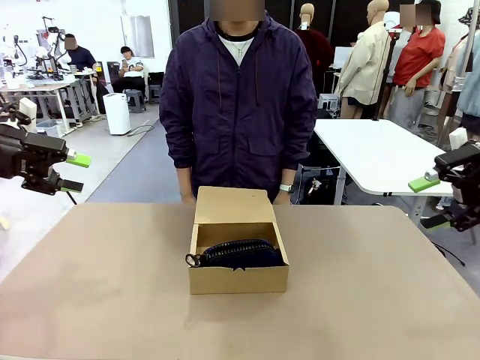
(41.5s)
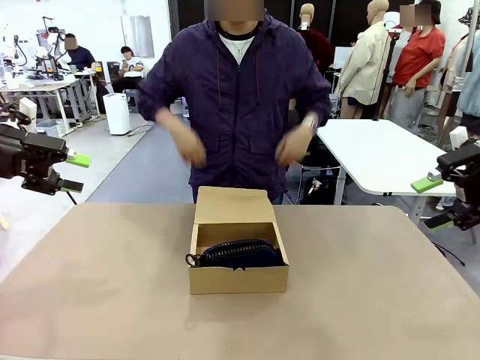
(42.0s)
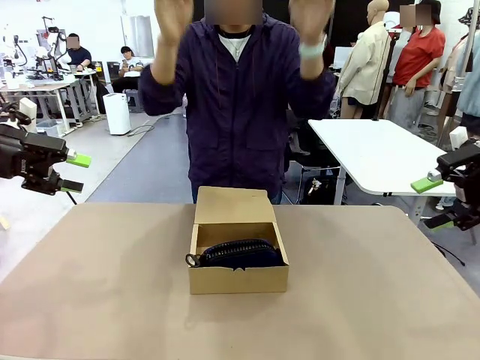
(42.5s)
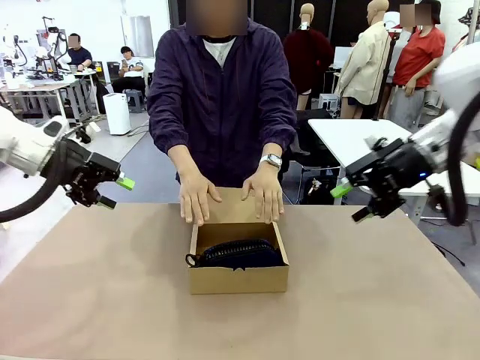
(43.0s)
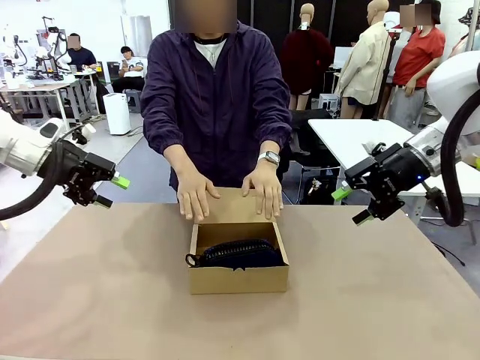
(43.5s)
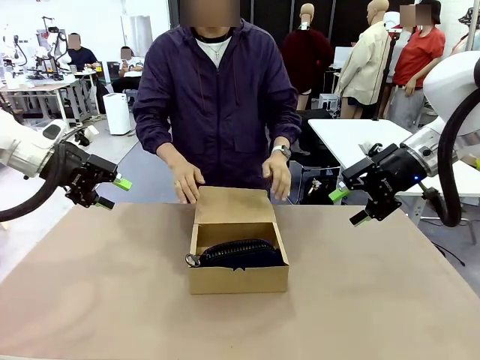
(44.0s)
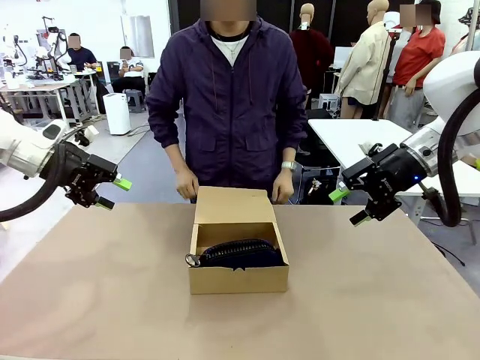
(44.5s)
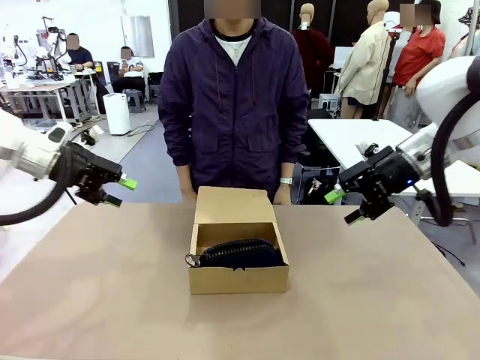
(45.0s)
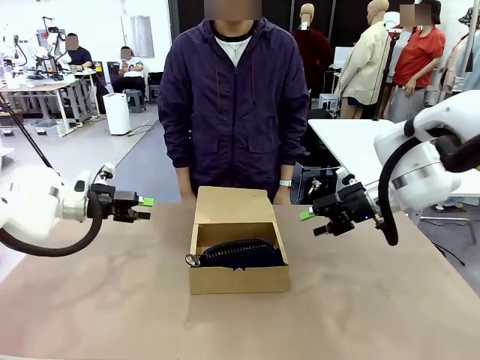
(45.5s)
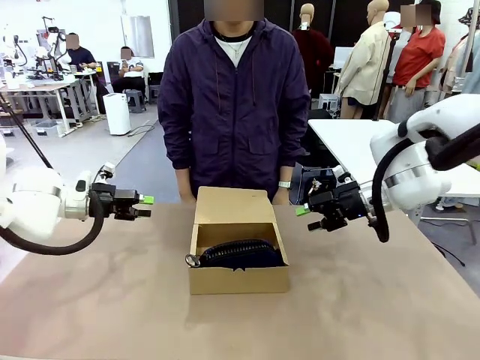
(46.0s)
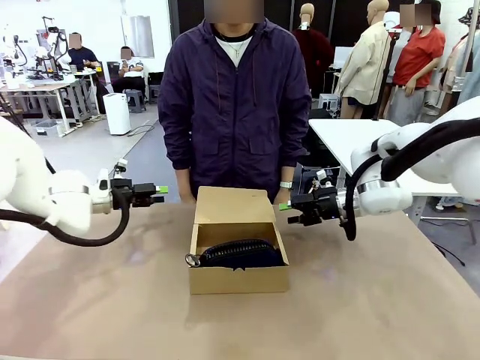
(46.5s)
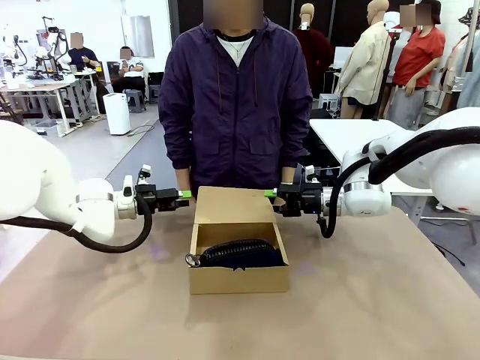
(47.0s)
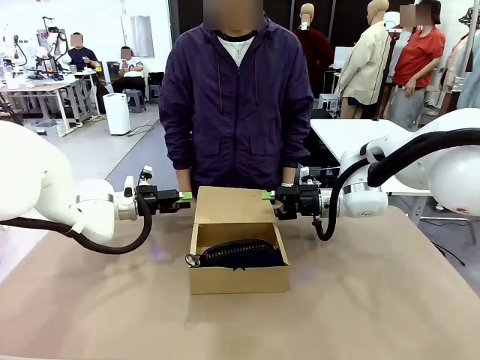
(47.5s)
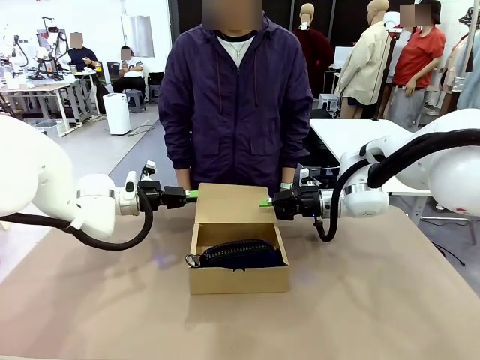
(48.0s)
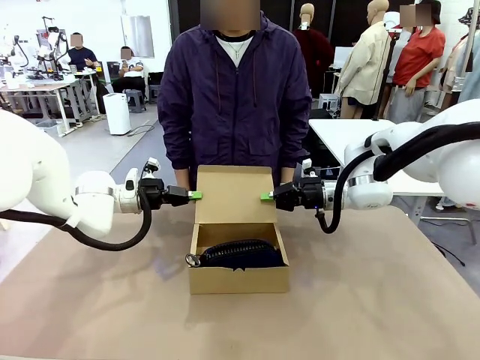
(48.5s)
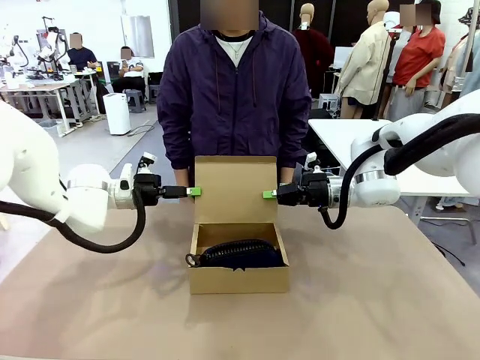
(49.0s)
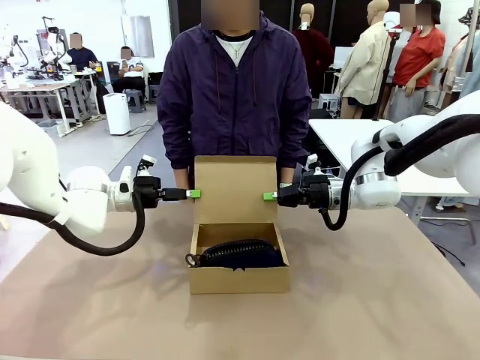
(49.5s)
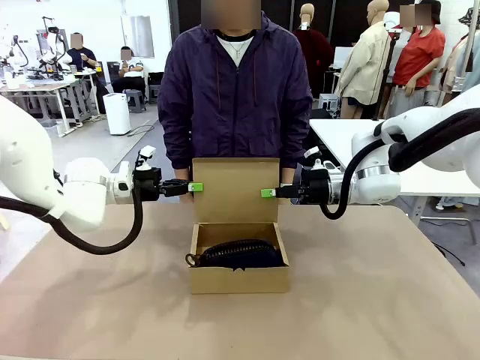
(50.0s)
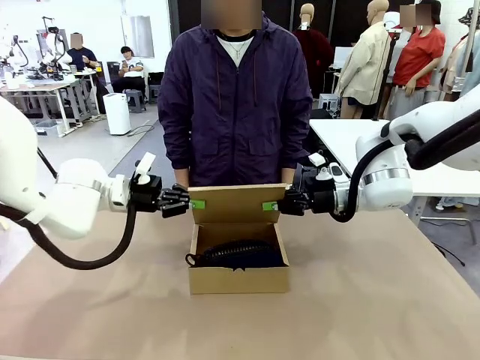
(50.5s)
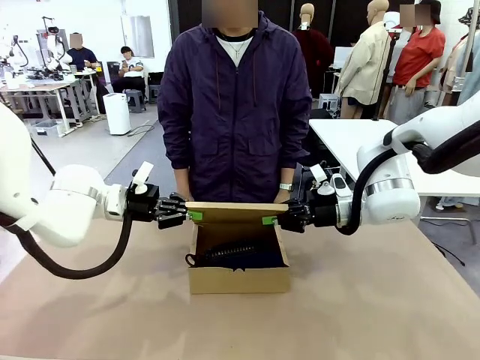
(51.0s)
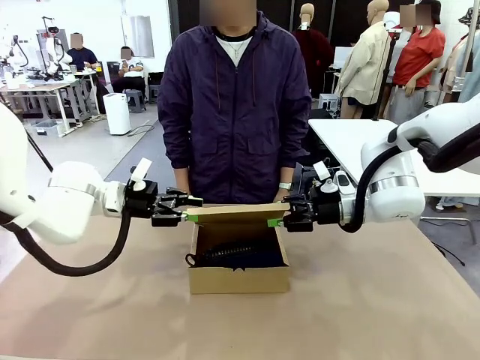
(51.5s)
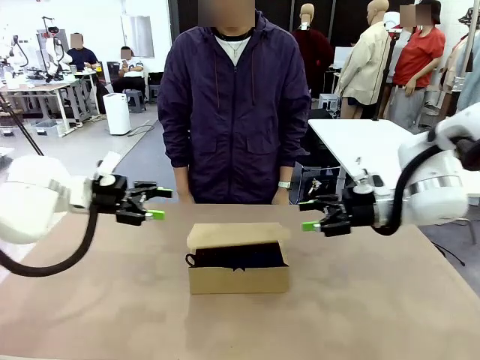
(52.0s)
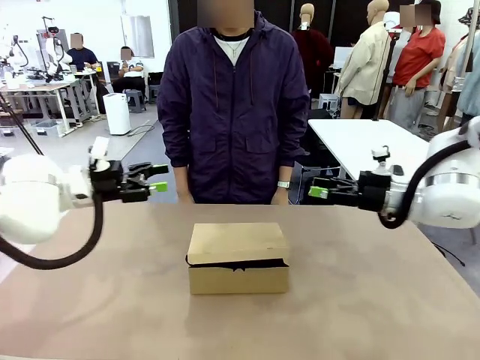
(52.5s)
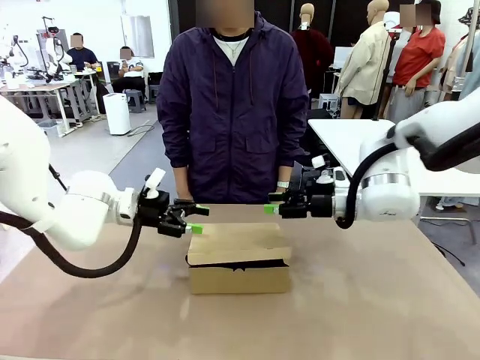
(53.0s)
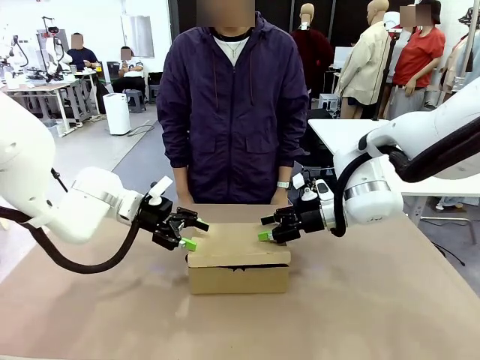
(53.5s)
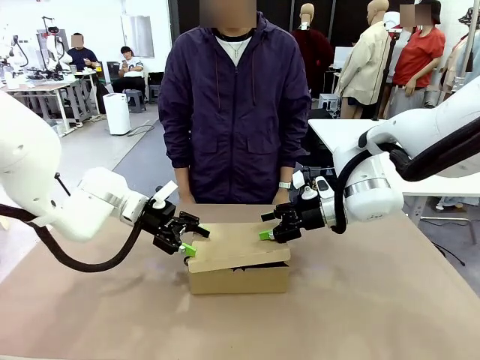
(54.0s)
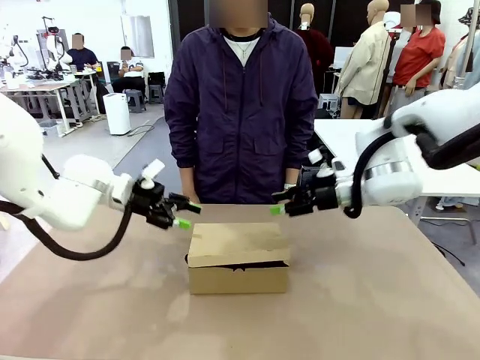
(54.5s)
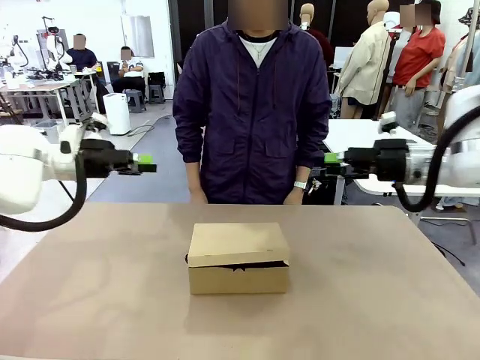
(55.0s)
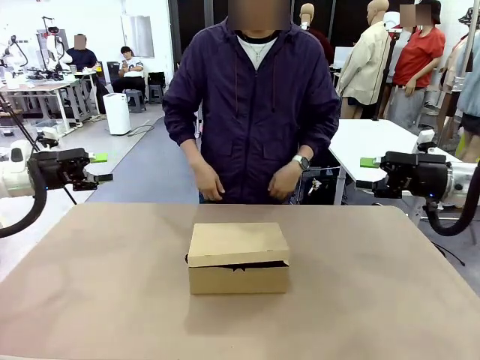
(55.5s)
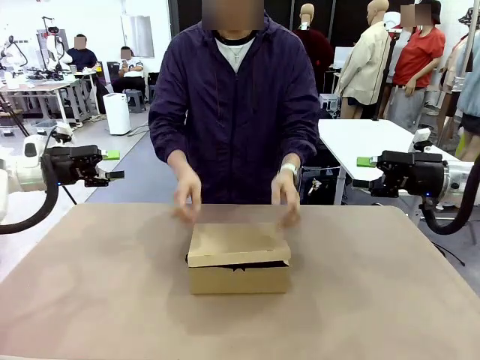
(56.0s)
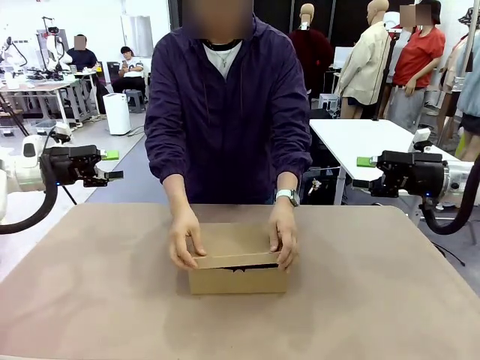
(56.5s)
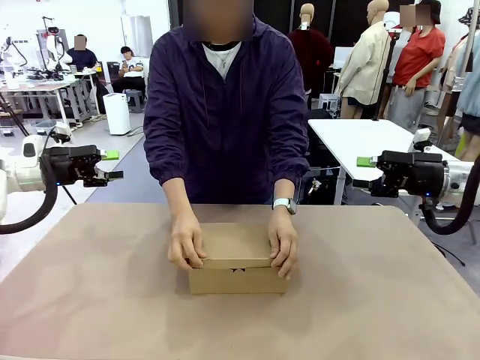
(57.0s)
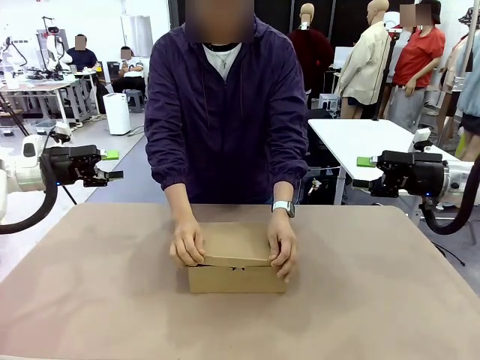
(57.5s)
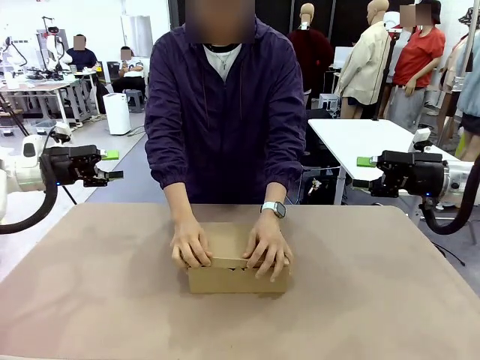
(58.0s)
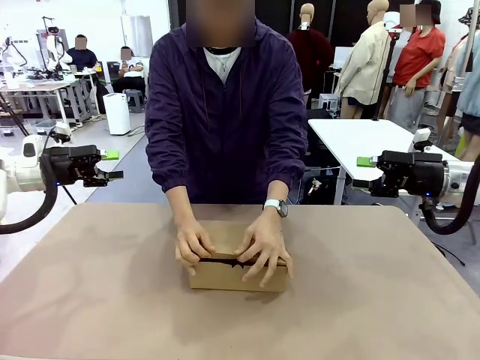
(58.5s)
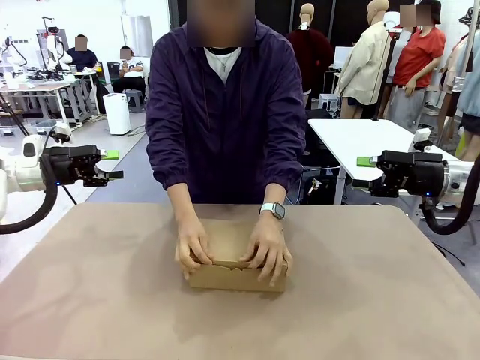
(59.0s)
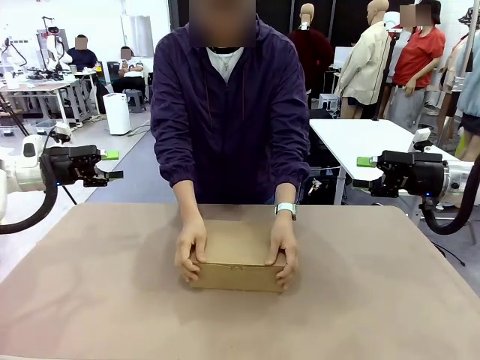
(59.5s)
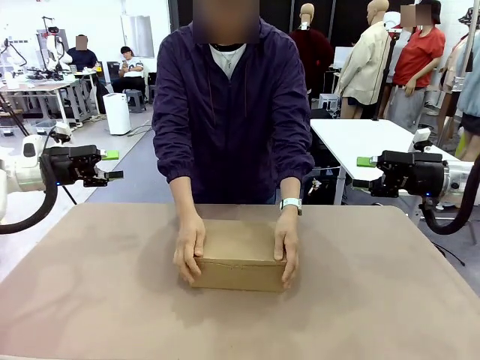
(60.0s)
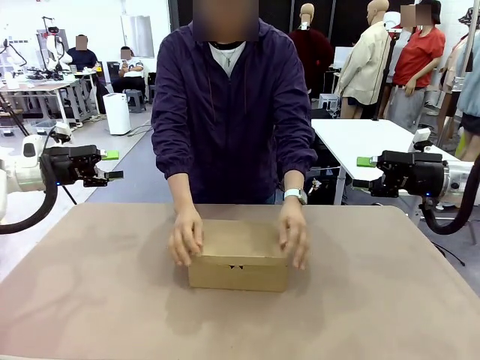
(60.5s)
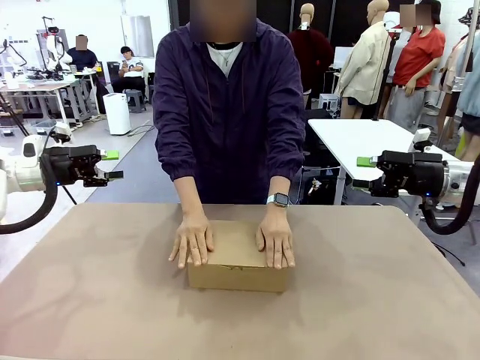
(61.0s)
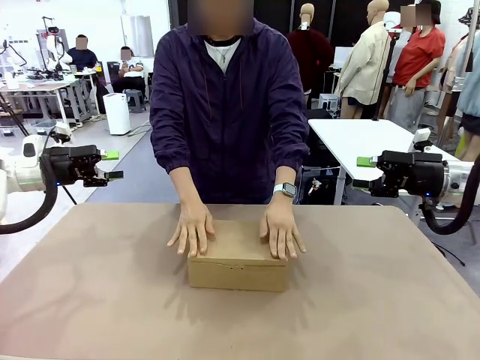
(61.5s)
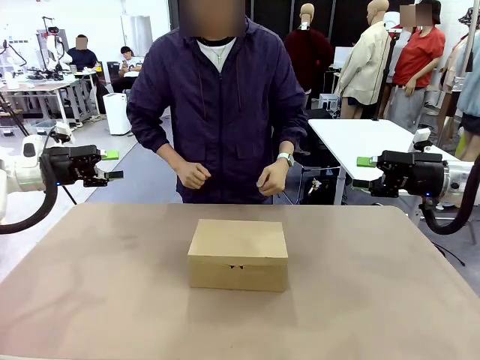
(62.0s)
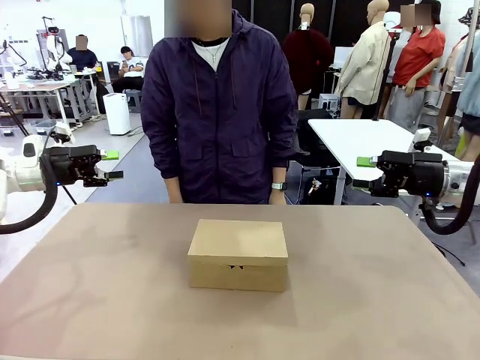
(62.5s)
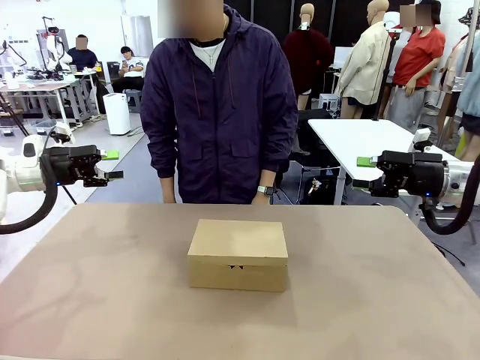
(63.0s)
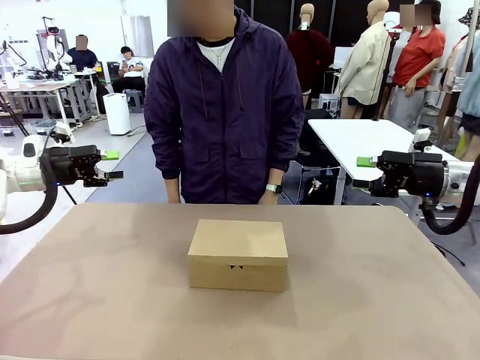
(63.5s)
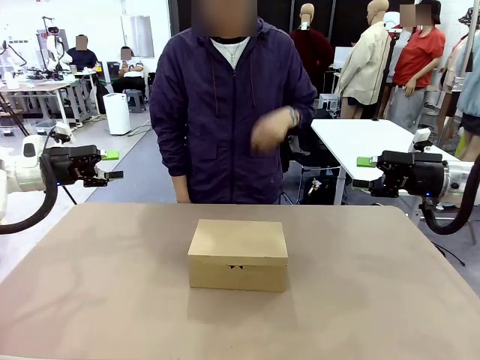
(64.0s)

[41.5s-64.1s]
Task: Pack the items into the box.
Robot: Close the Mailer Box.
Person: Turn the box and lock it.

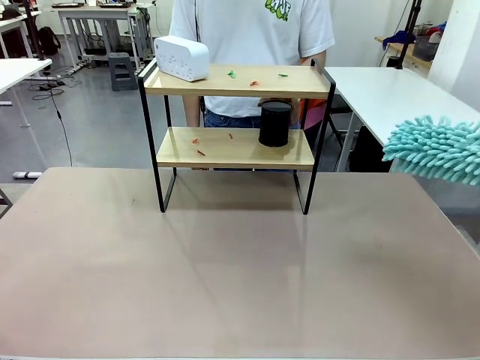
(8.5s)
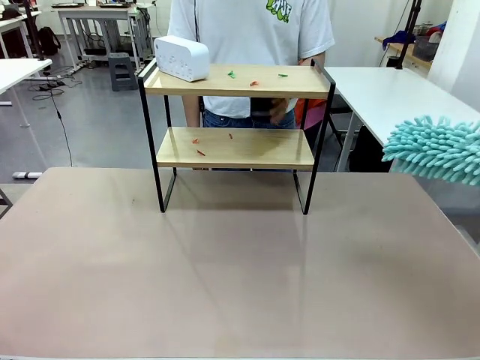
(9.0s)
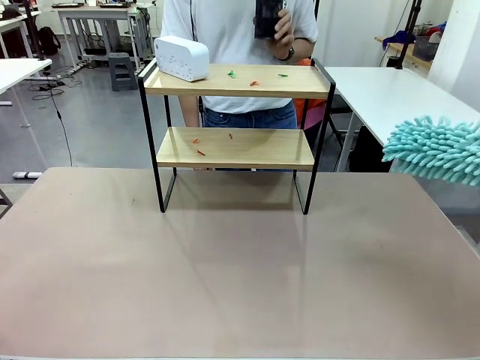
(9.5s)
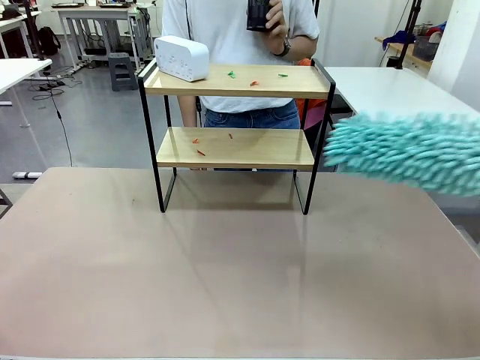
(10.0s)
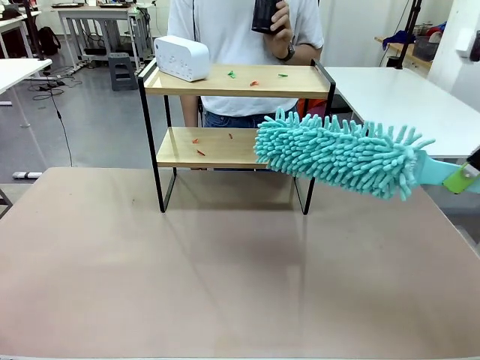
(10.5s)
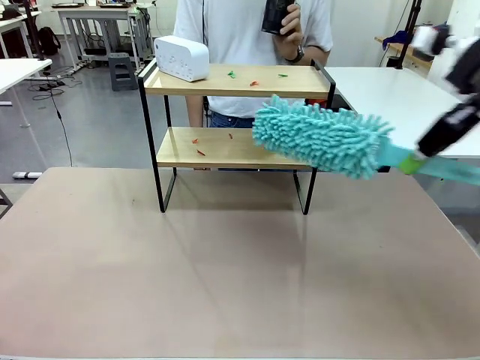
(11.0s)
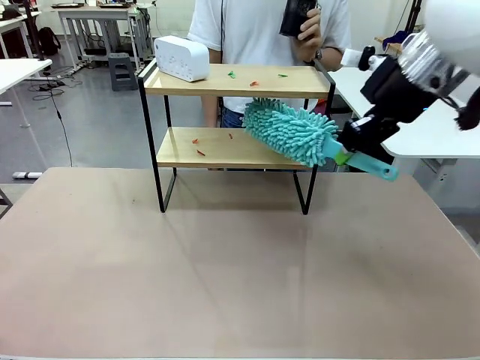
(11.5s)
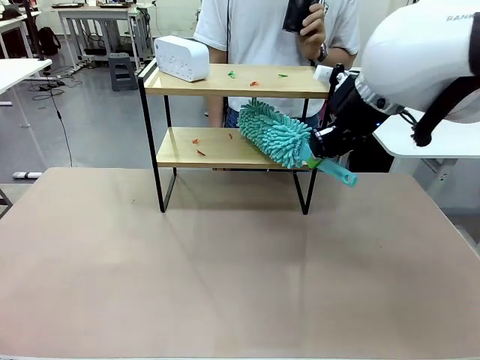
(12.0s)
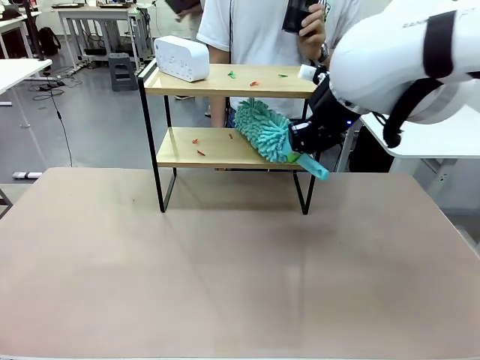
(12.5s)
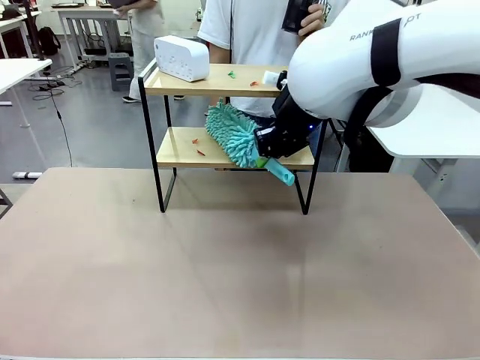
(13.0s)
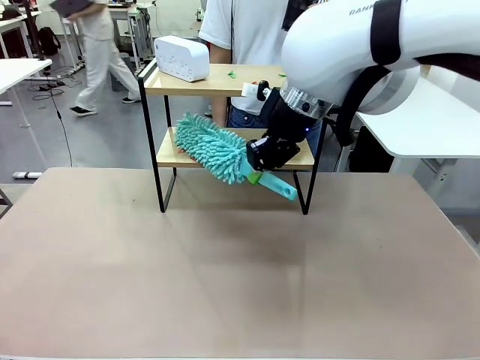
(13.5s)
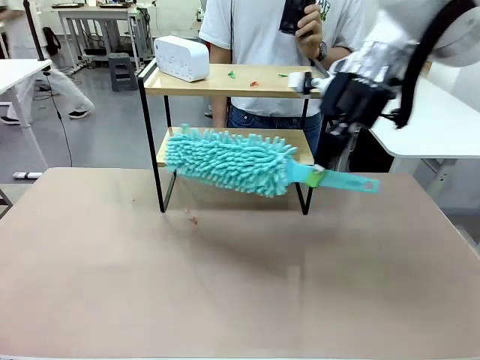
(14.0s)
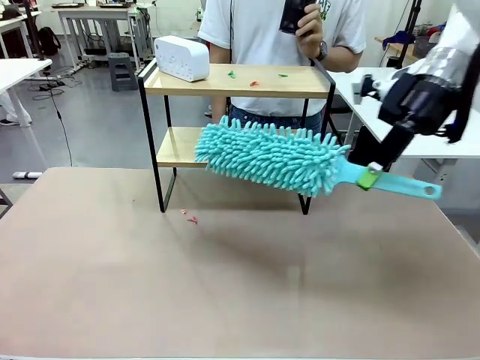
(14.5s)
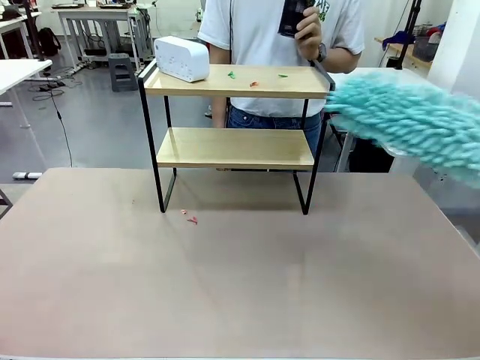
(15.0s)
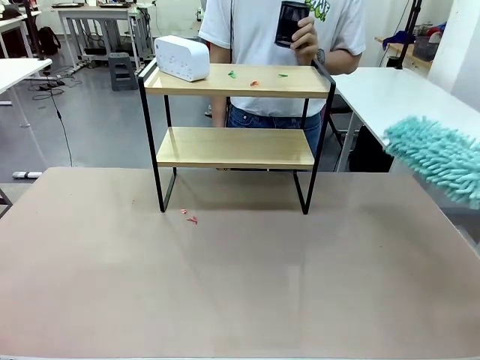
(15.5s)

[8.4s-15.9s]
Task: Clean the shelf.
Robot: Clean the specific tier of the Shelf with the Duster once objects are removed.
Person: Lift the objects on a randomly selected tier of the Shelf. Once the robot finishes cleaning, lift the objects on the remaining tiers of the Shelf.
